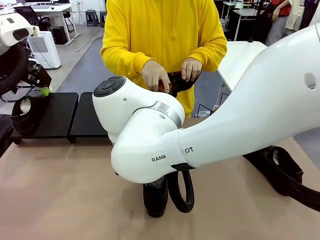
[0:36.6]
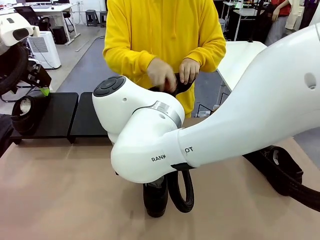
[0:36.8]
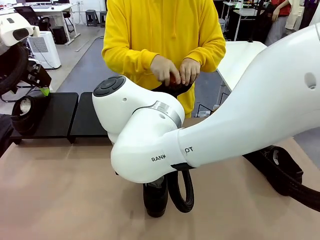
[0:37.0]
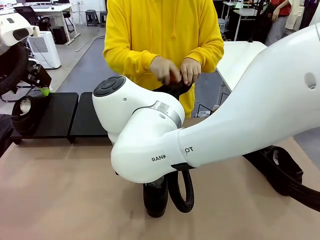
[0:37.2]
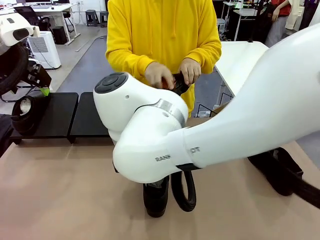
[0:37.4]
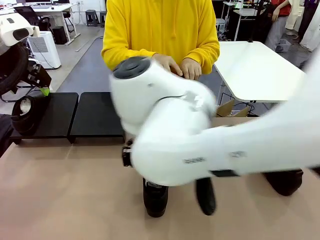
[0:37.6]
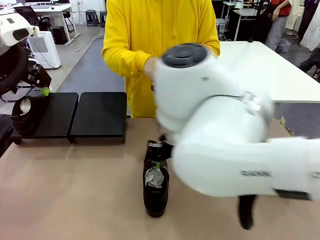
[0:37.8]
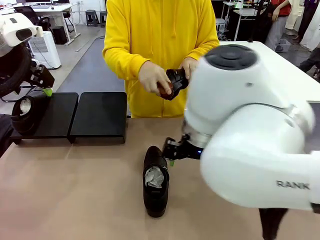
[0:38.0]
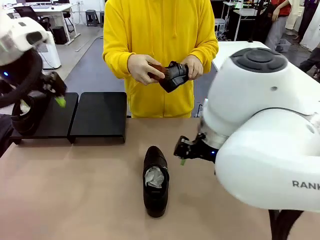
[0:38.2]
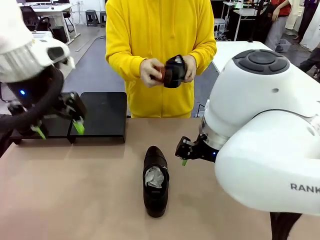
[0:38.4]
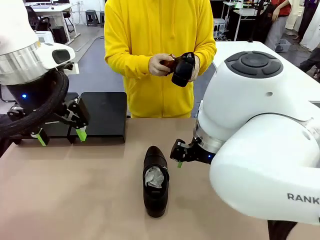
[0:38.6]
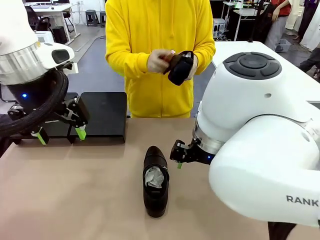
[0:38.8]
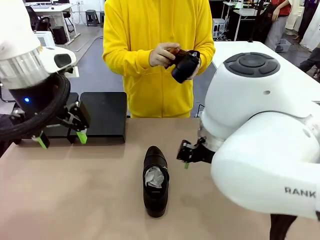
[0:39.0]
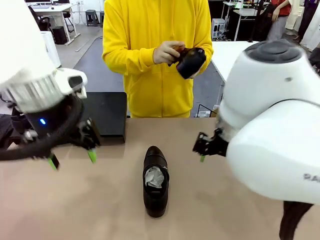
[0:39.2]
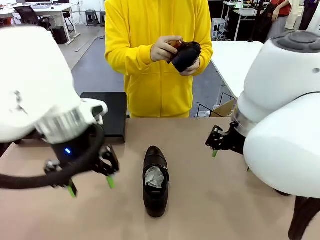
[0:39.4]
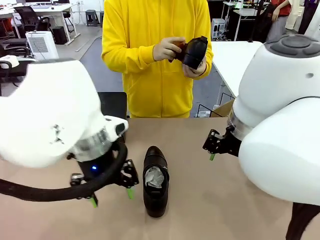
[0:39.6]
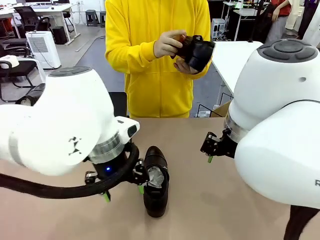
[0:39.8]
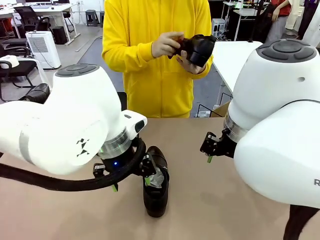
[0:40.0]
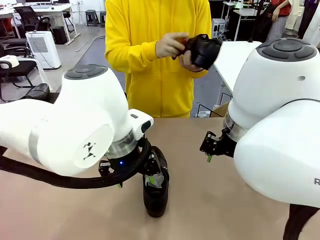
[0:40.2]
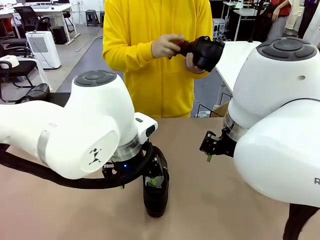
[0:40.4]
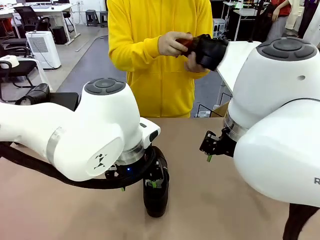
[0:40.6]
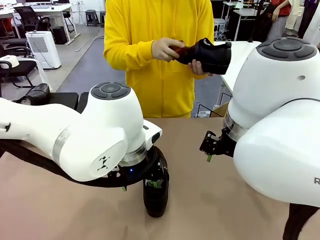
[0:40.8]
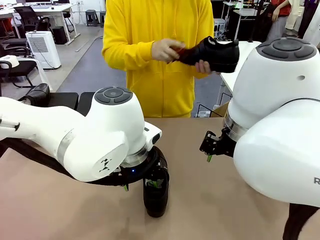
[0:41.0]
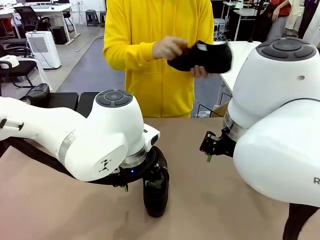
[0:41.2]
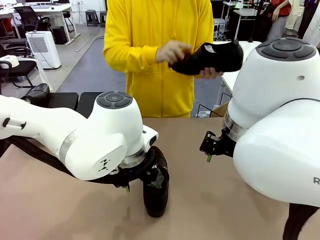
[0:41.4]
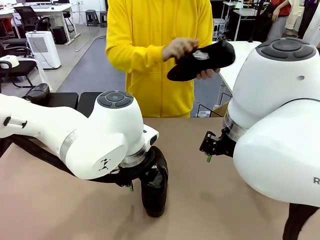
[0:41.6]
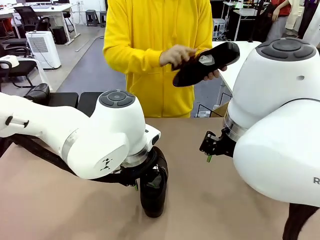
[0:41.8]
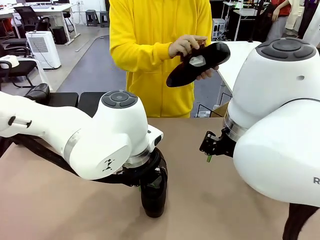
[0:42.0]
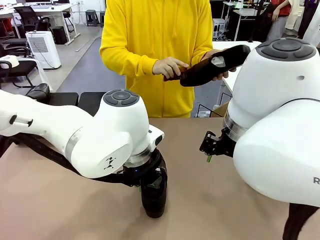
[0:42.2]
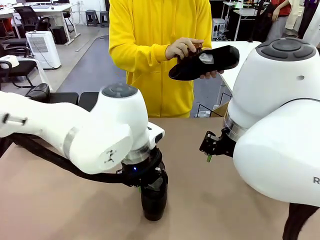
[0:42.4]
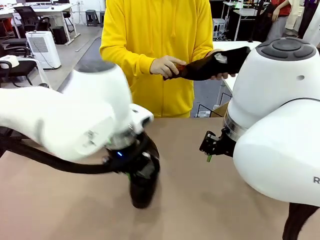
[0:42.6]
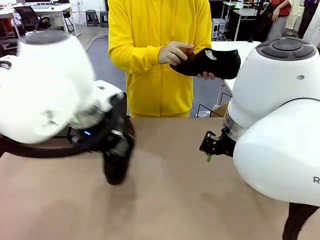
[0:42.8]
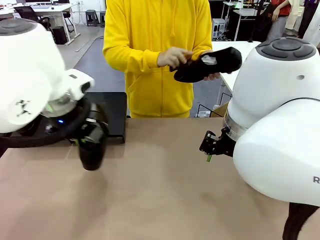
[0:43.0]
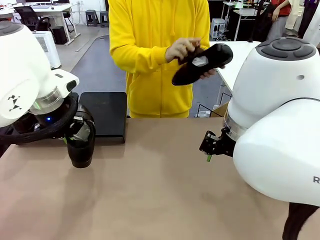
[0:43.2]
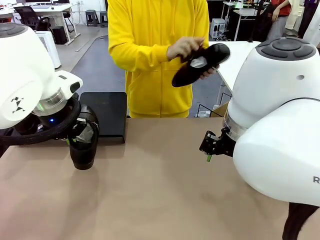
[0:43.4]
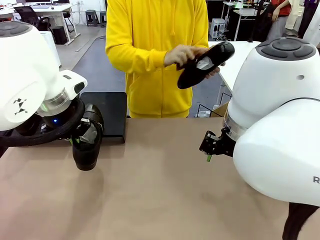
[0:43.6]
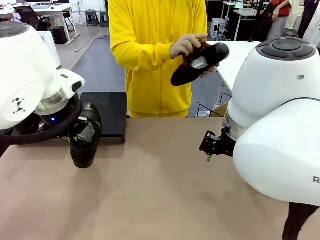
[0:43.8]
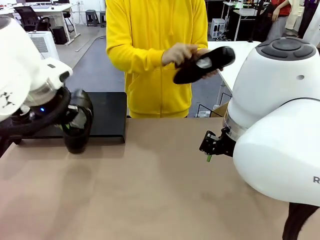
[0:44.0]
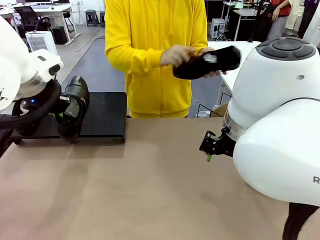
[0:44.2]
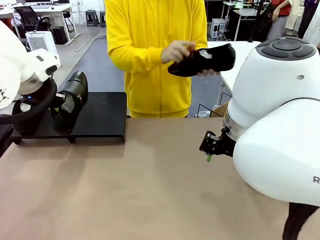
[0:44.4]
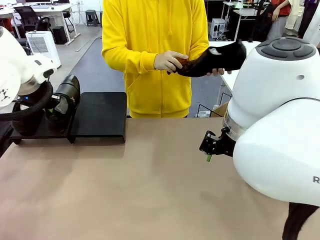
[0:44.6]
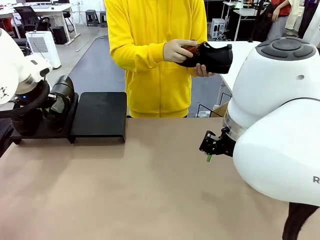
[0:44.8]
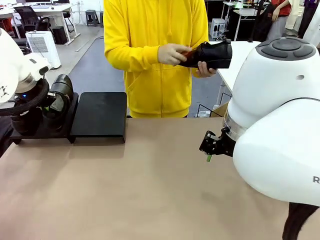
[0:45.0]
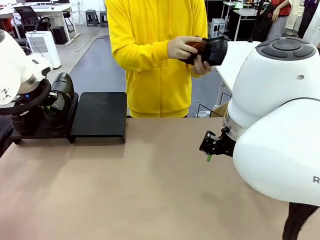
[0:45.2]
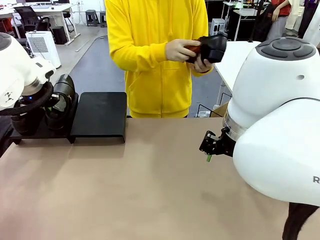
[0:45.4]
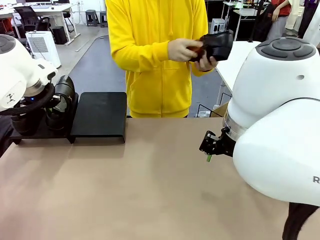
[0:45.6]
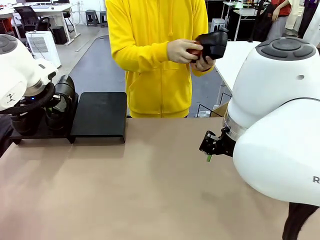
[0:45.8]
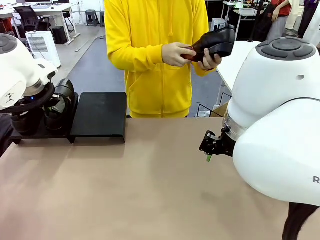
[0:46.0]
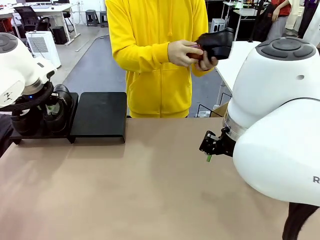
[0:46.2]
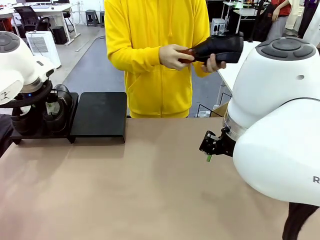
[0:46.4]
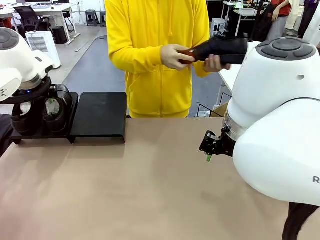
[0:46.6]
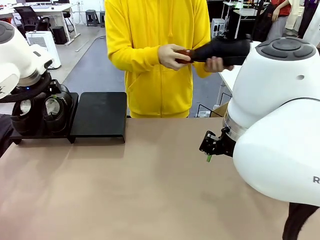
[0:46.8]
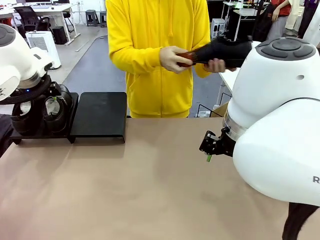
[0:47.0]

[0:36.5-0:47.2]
Task: Organize the shoes by placing them on the stand.
Robot: Place the Shoe from the middle of the table onto the Shoes Stand.
Person: Clean the Shoe with the Shoe Brush.

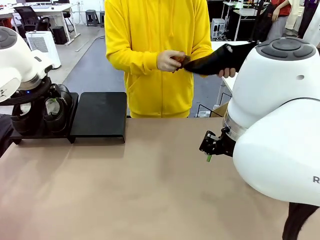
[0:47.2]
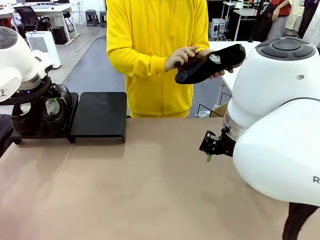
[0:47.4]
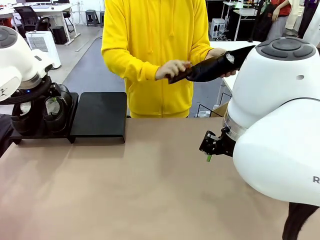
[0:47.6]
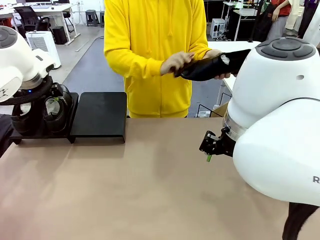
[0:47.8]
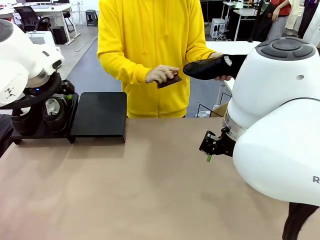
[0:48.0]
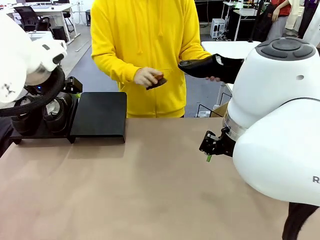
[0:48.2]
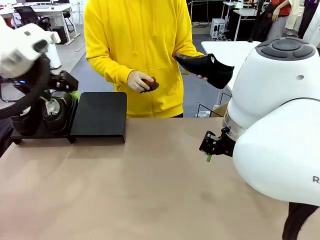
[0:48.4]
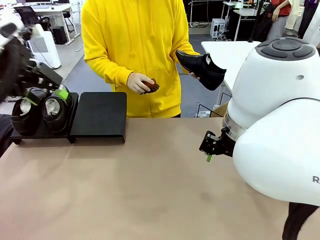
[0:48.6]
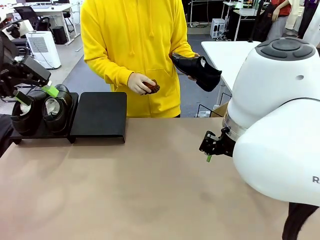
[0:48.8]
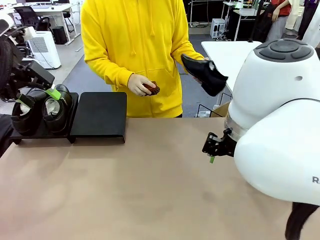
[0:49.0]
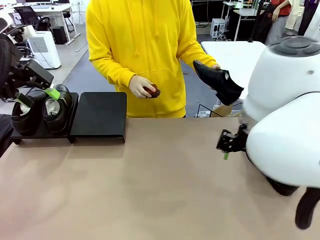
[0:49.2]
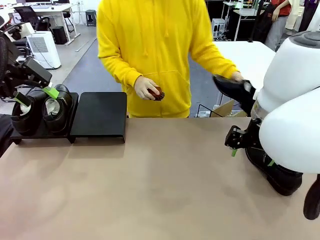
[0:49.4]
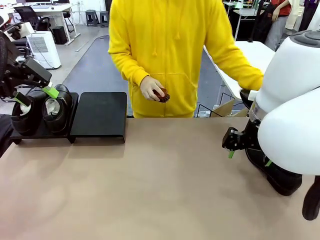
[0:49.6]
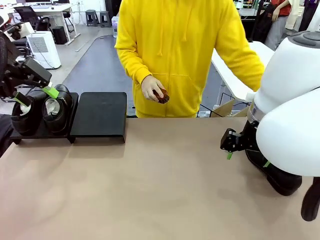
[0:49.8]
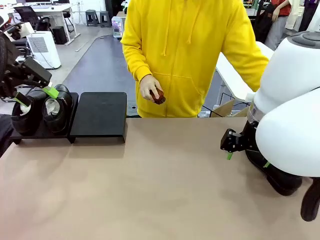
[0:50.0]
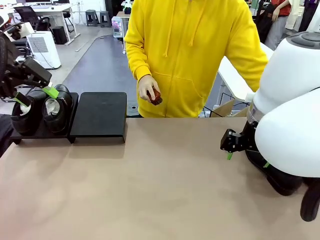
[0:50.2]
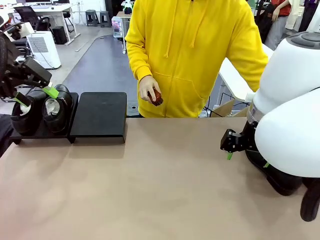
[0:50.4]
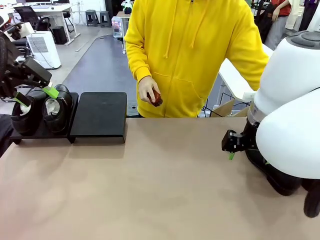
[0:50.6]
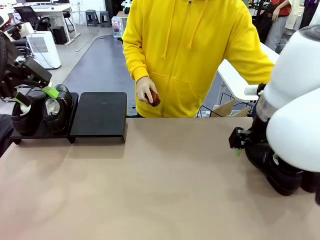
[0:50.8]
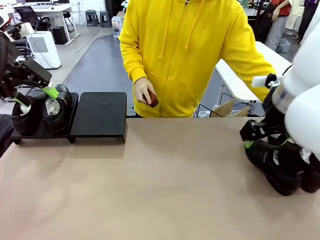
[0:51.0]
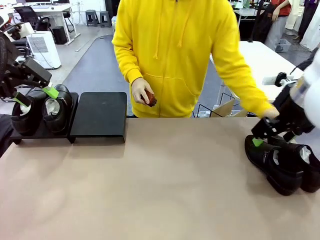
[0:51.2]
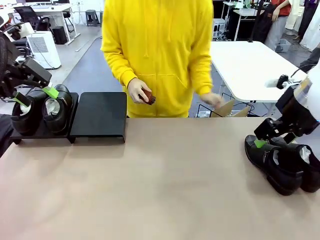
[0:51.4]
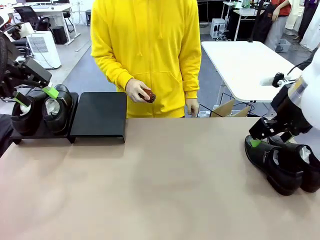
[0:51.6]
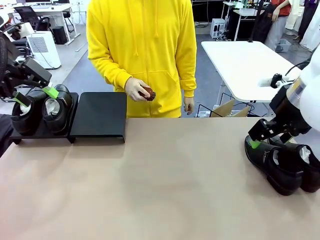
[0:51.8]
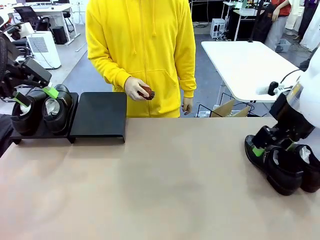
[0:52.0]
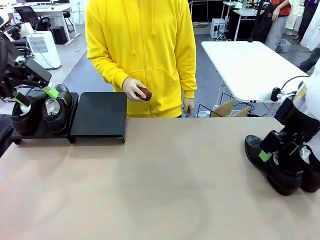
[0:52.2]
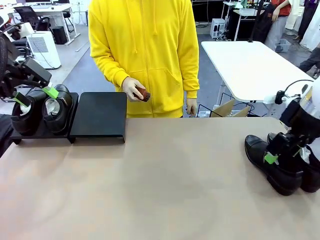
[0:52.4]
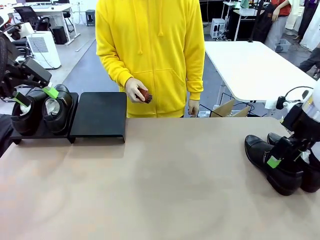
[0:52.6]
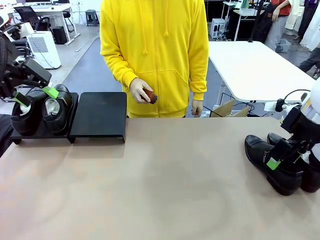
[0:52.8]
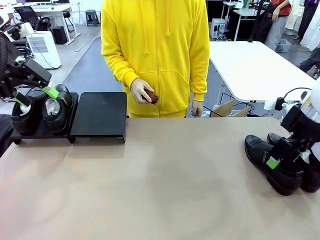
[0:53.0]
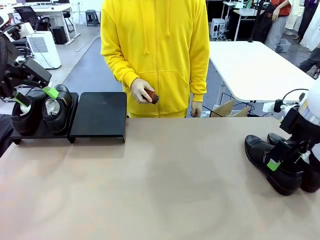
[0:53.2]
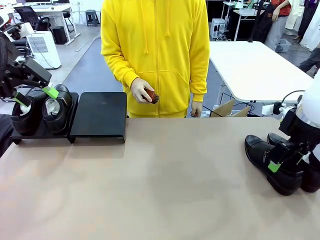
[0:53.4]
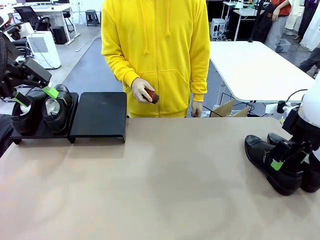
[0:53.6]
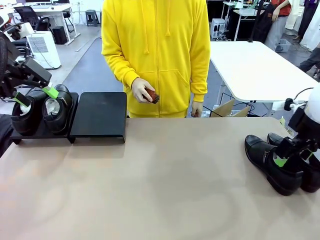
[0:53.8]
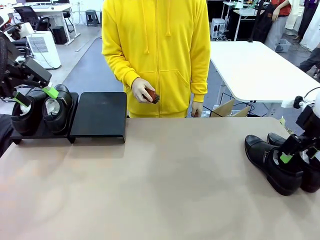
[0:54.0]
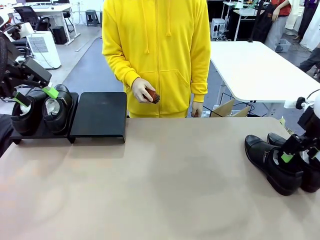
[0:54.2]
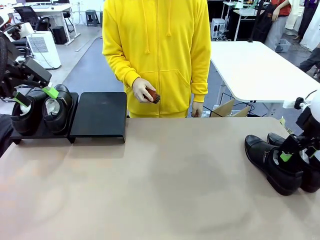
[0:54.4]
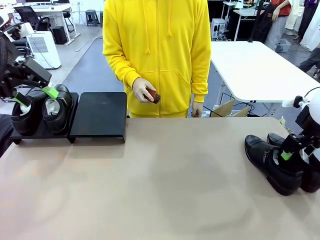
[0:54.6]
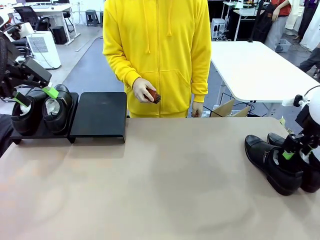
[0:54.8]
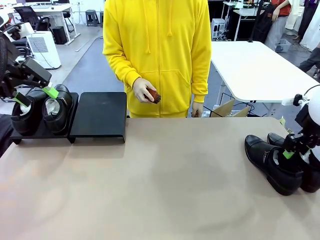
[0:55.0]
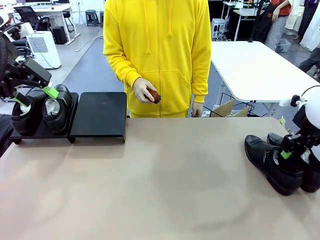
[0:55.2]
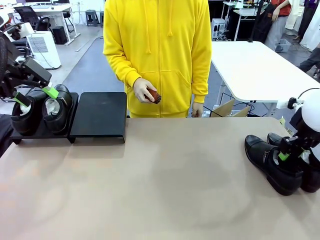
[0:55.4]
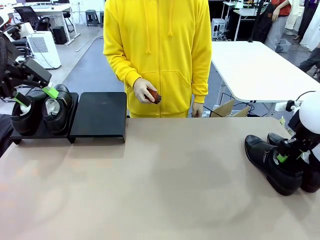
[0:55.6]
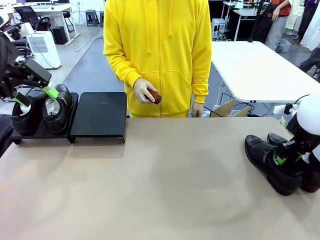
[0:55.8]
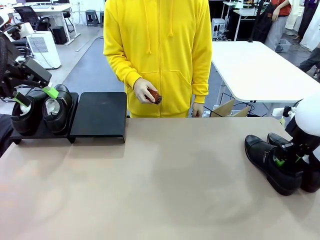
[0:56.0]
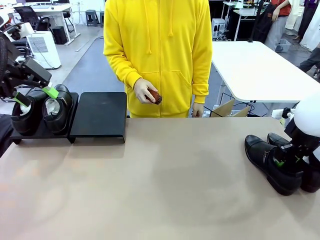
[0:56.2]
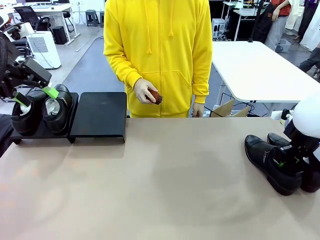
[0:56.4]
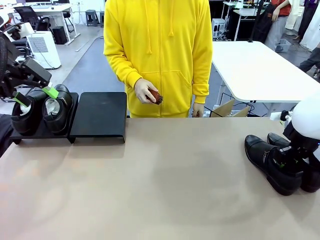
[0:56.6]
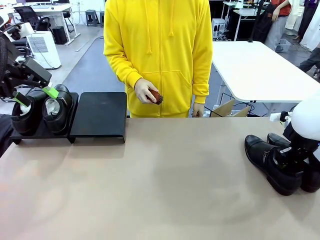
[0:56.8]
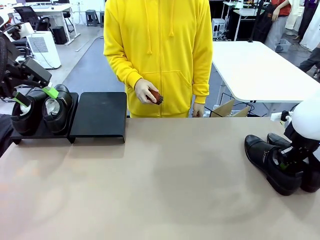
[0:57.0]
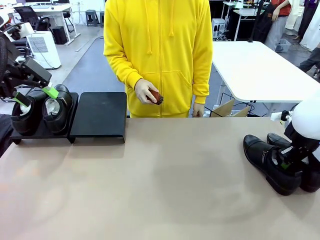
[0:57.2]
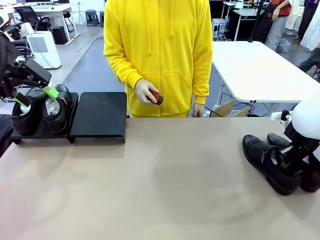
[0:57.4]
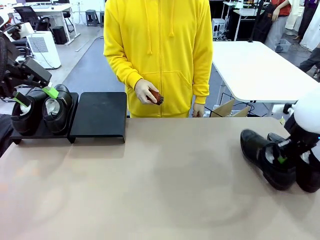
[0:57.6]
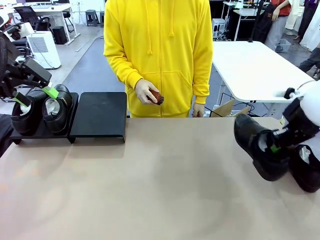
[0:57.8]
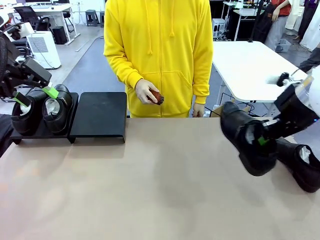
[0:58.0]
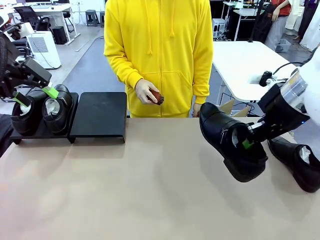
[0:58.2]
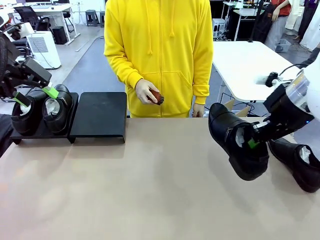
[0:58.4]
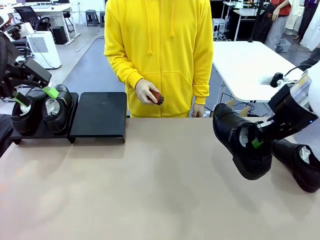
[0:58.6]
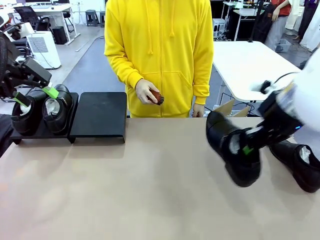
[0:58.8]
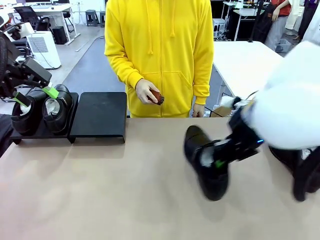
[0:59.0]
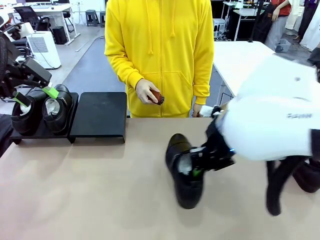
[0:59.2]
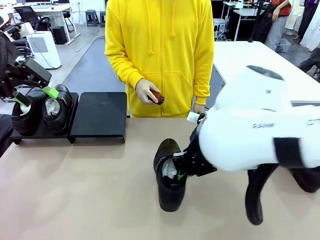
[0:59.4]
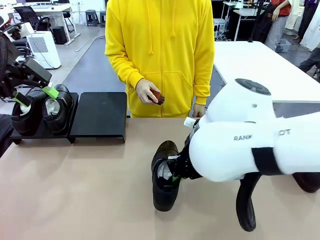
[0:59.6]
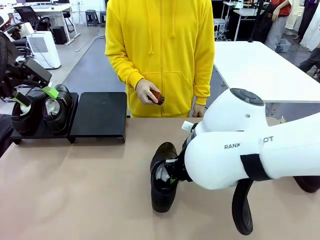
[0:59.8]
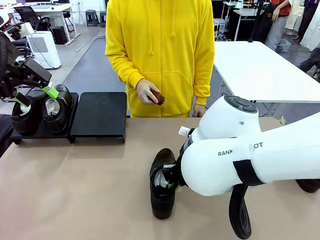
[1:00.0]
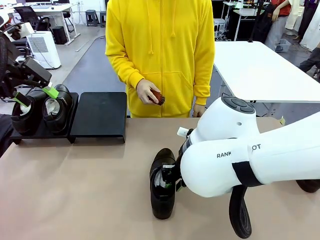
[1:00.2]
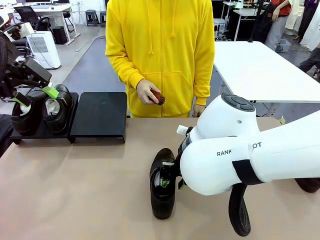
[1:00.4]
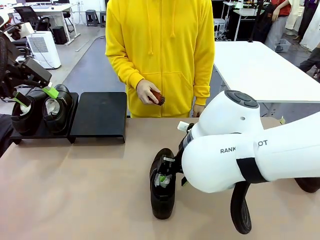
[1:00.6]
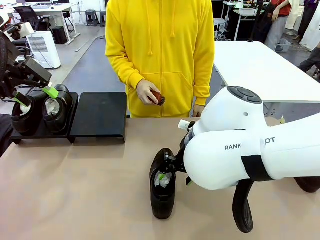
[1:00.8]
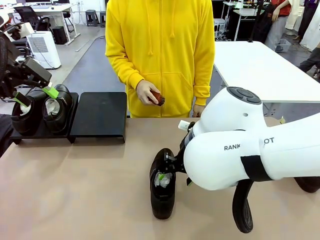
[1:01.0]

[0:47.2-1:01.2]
Robot: Pick up one Shoe and place it in the middle of the table.
